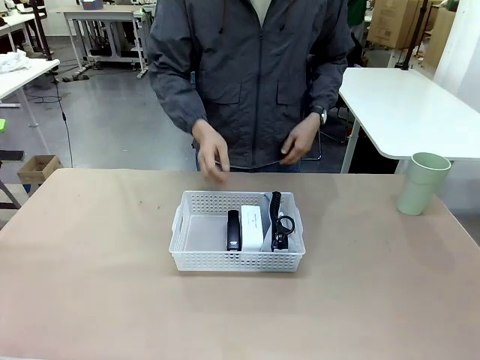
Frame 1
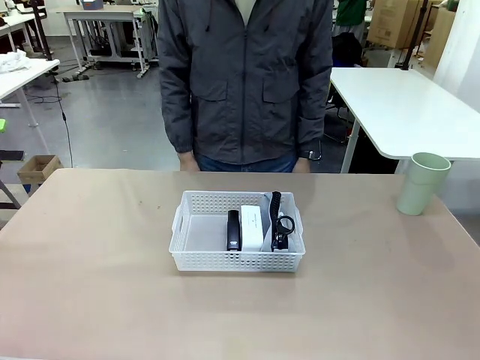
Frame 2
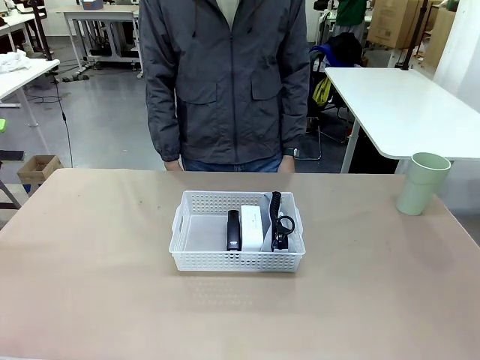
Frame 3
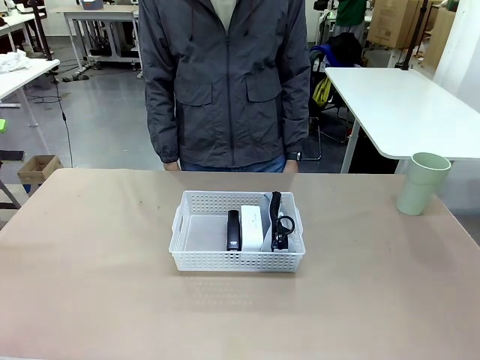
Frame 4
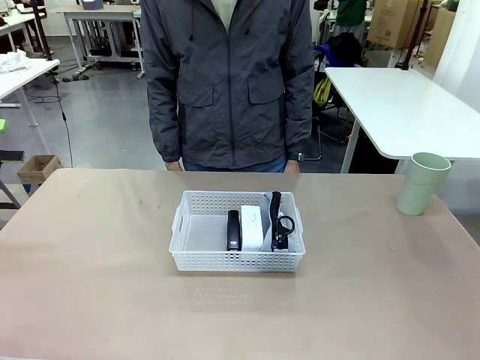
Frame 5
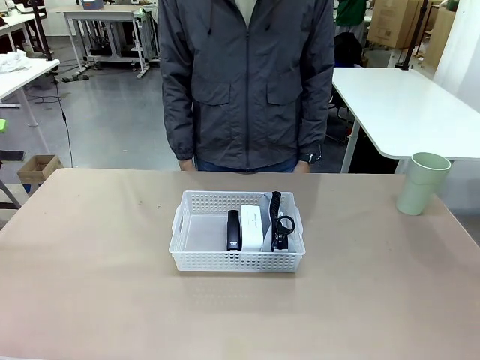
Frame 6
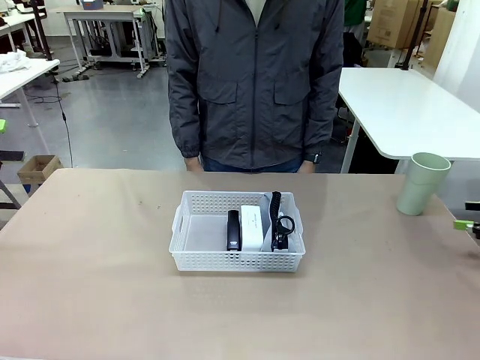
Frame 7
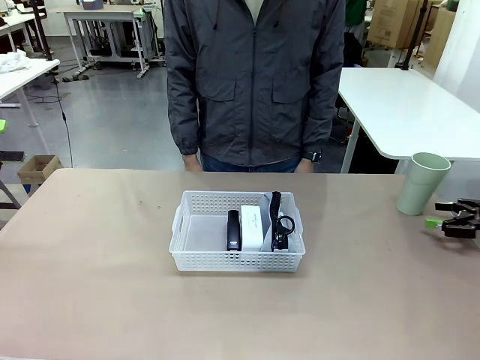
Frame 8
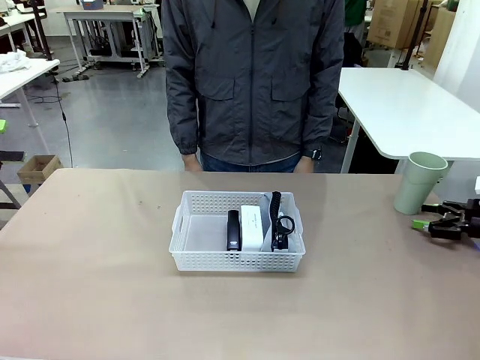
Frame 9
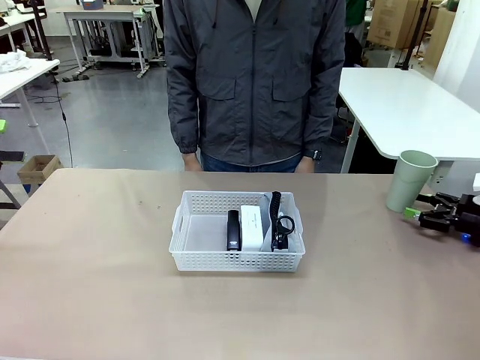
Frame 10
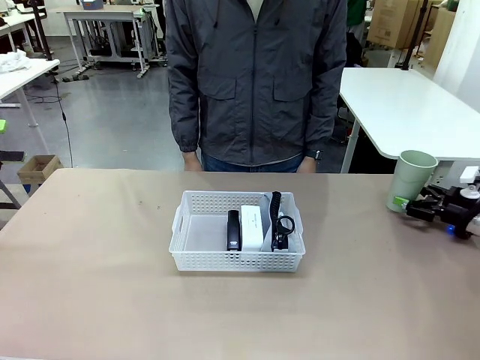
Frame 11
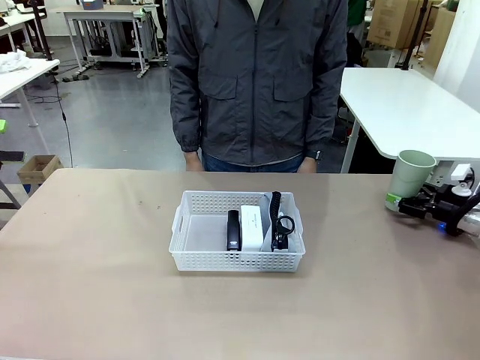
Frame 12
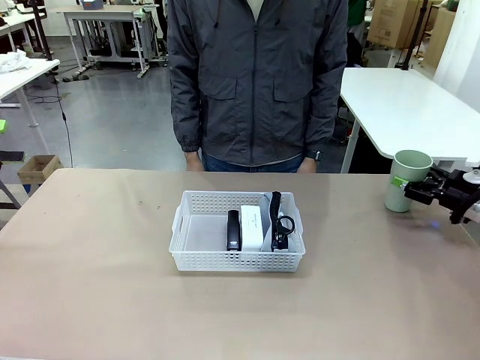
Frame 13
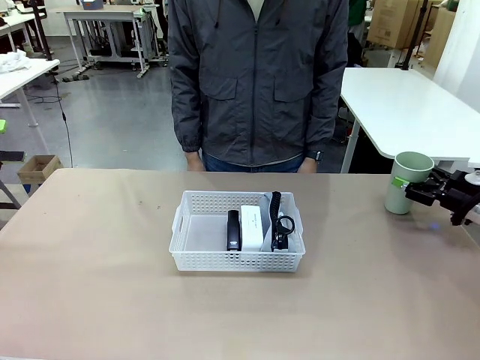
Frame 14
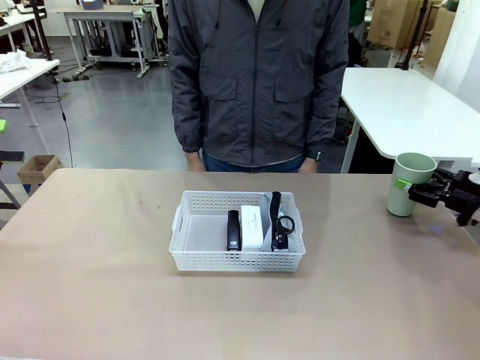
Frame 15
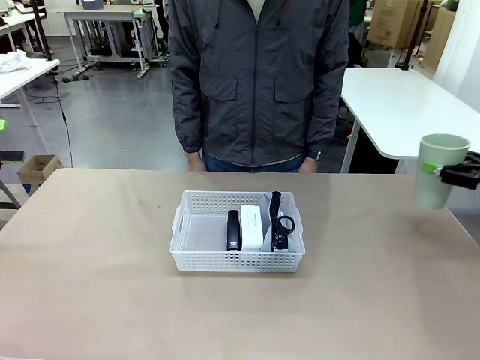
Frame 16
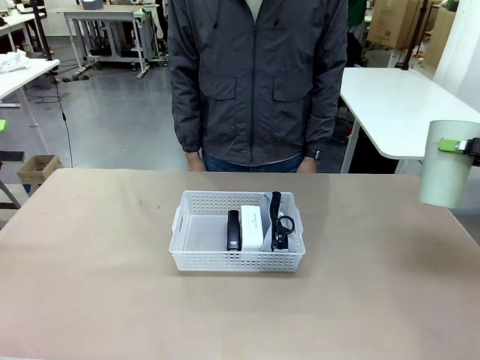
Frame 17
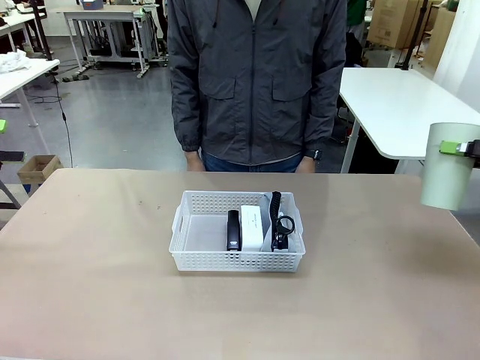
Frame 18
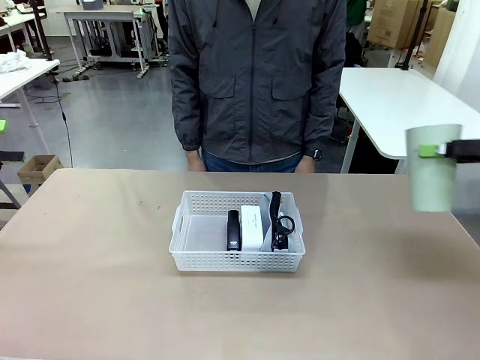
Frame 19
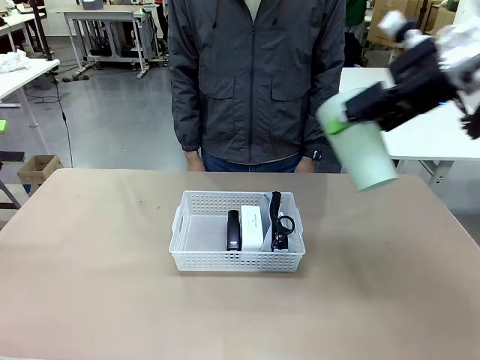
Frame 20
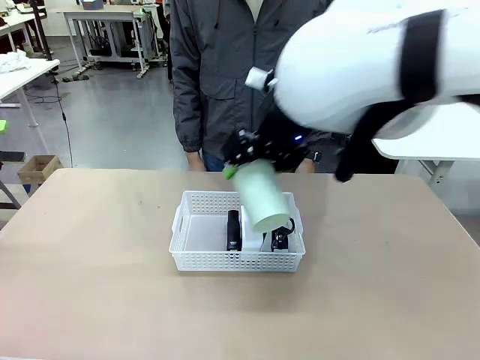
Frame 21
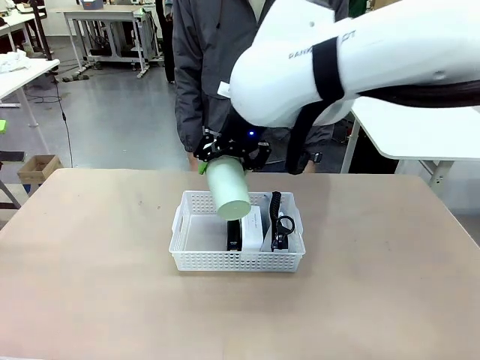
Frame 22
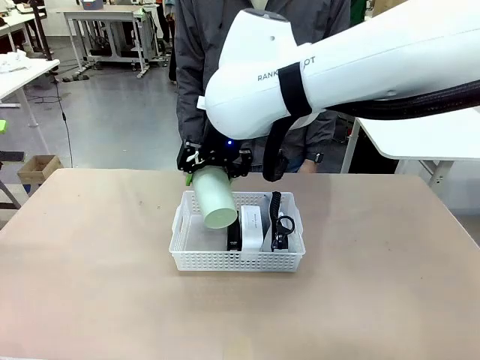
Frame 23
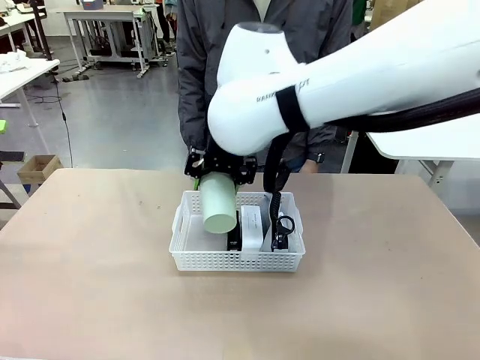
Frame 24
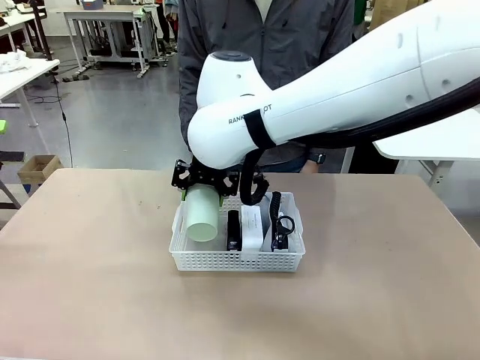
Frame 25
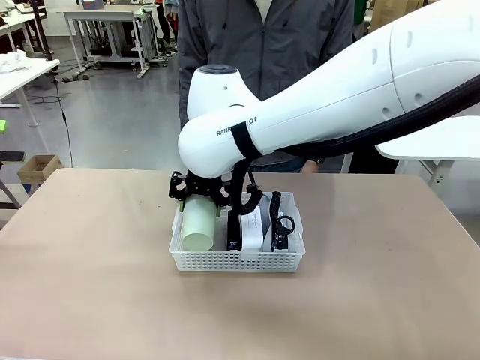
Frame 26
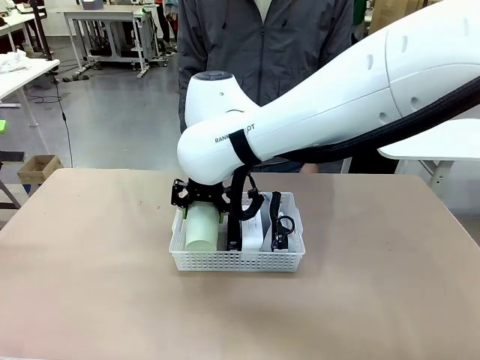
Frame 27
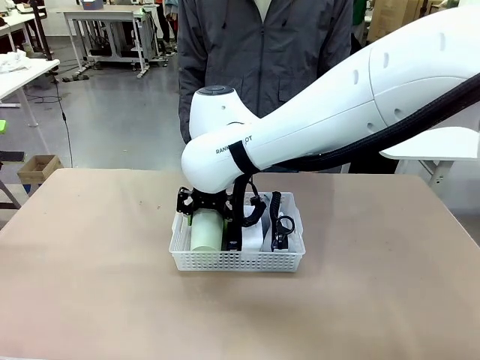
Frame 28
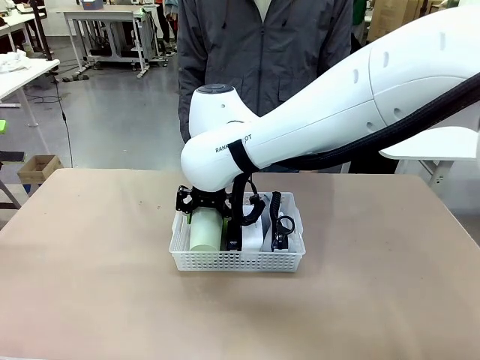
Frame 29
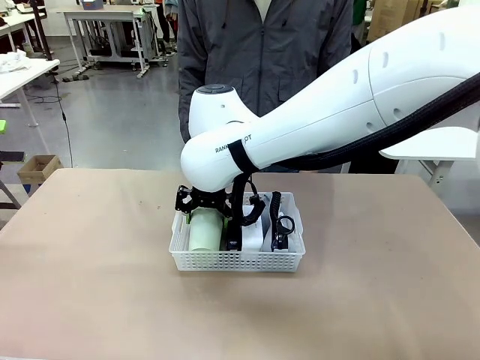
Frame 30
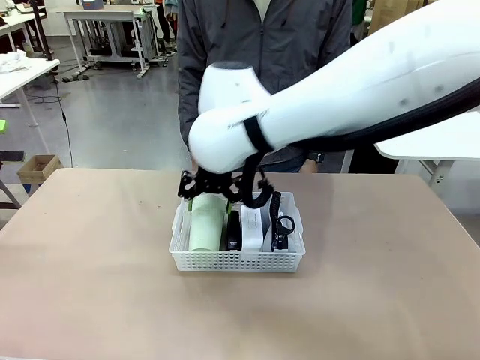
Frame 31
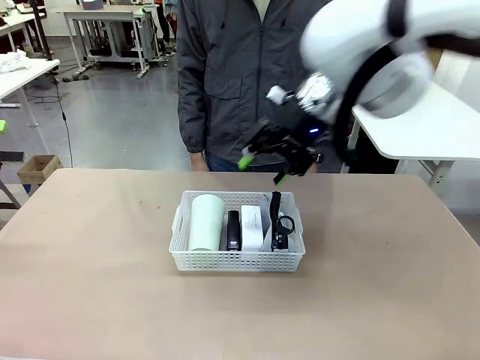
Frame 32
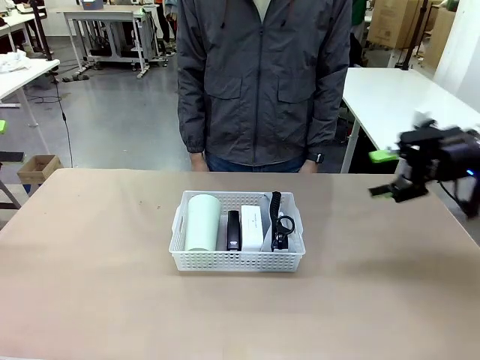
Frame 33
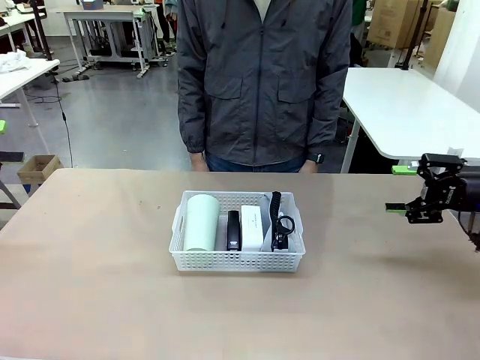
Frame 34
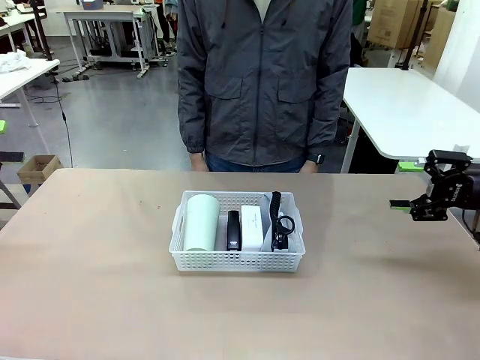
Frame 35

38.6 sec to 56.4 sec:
Task: Efficiently arrange items inside the basket to fit them all.
Robot: Pick up the Reusable plastic cup and place it inside the Organizing basket.
Person: Repositions the stapler.

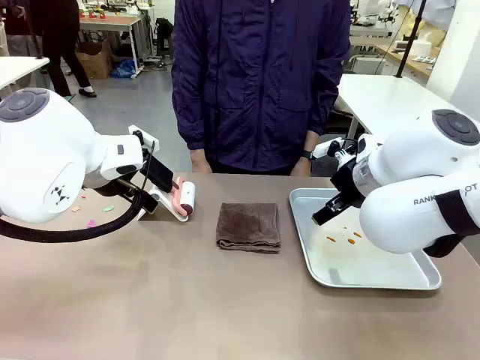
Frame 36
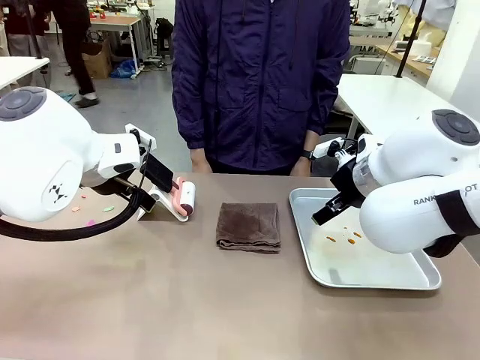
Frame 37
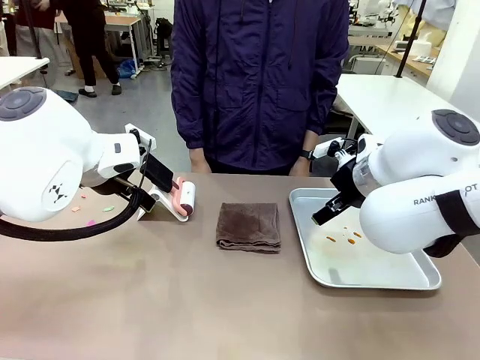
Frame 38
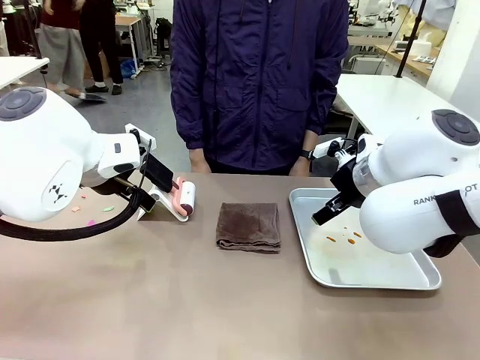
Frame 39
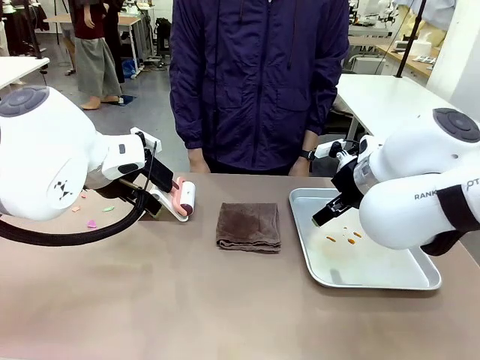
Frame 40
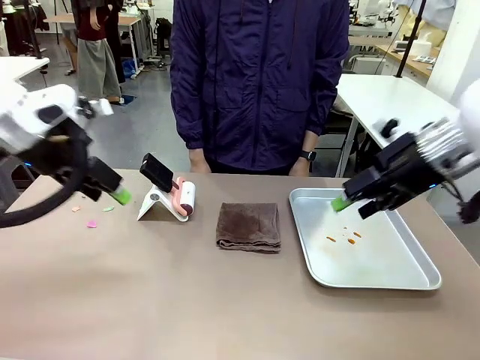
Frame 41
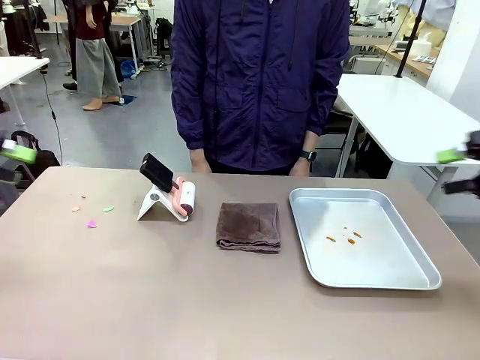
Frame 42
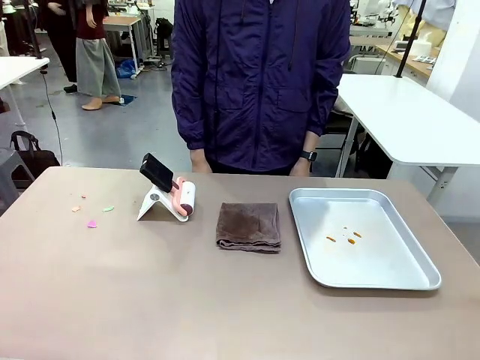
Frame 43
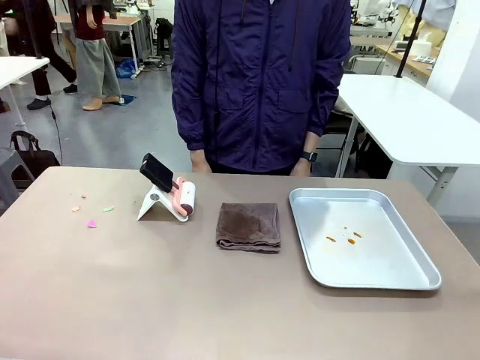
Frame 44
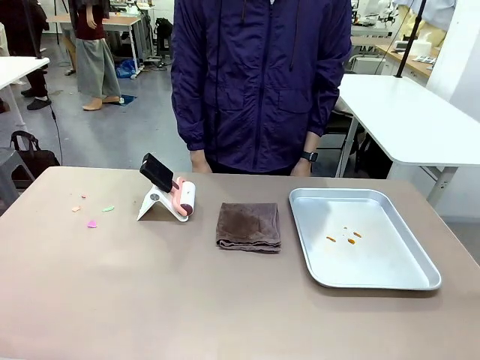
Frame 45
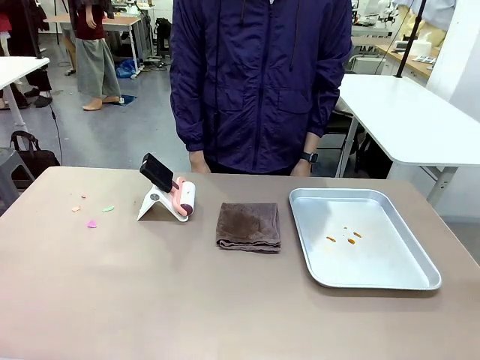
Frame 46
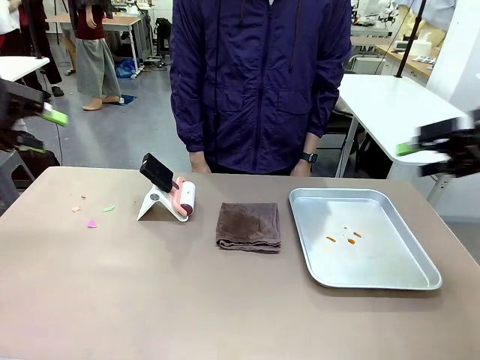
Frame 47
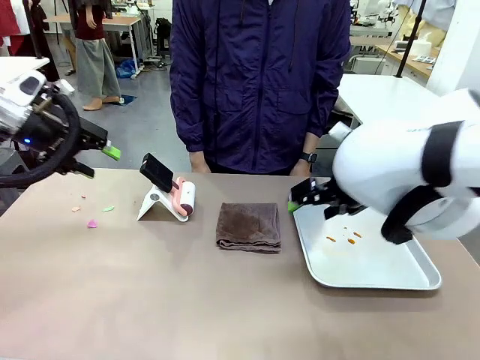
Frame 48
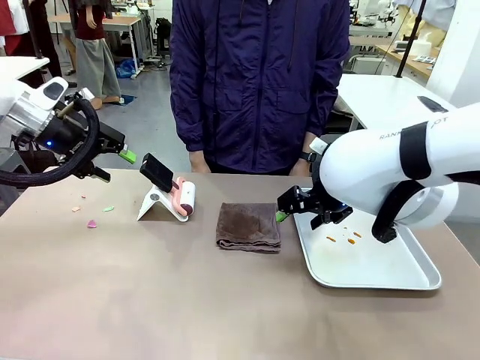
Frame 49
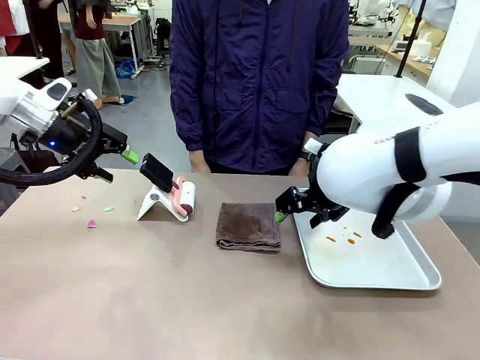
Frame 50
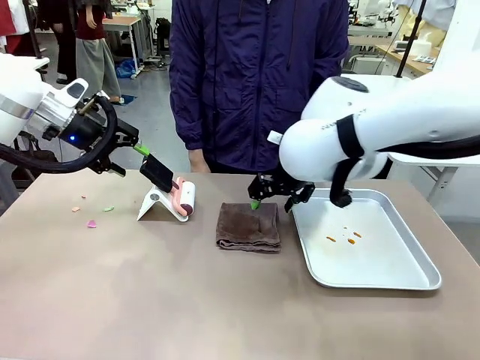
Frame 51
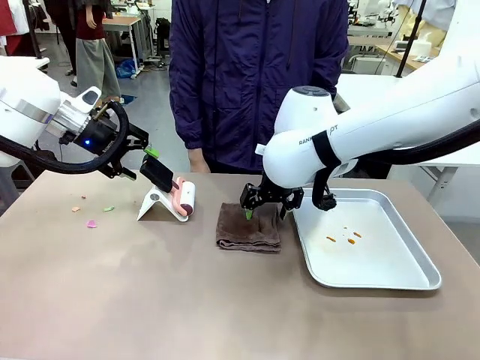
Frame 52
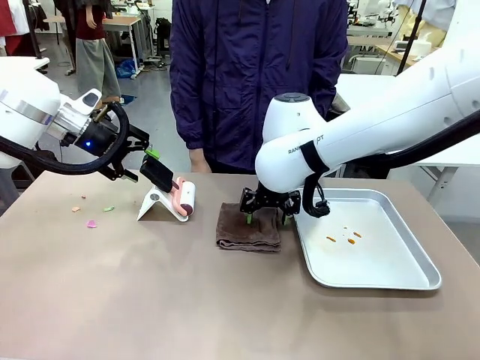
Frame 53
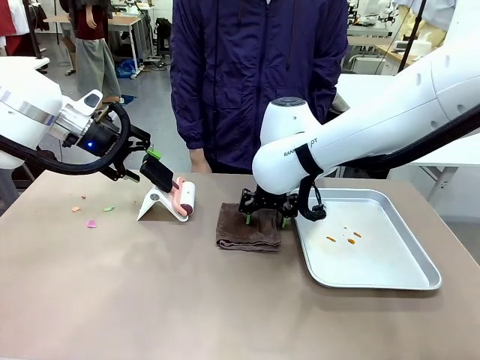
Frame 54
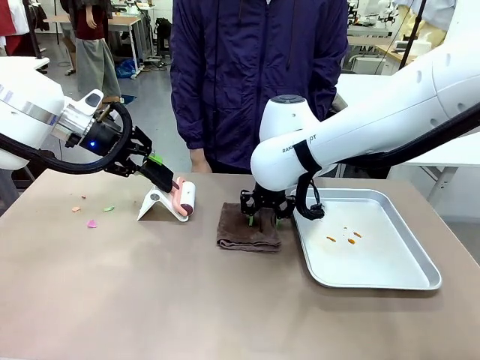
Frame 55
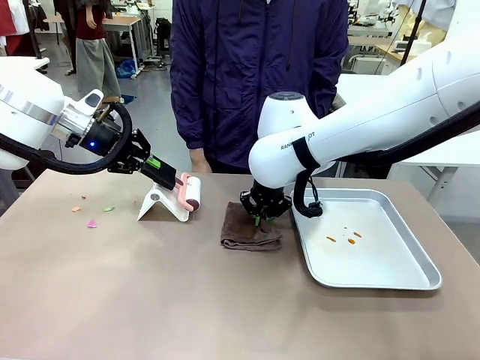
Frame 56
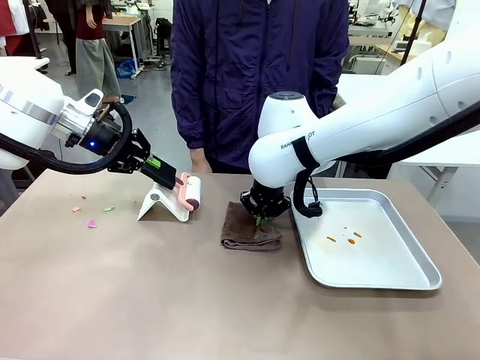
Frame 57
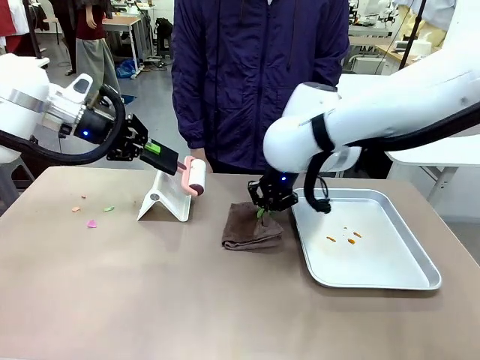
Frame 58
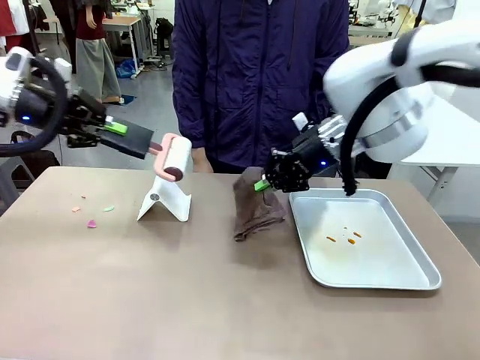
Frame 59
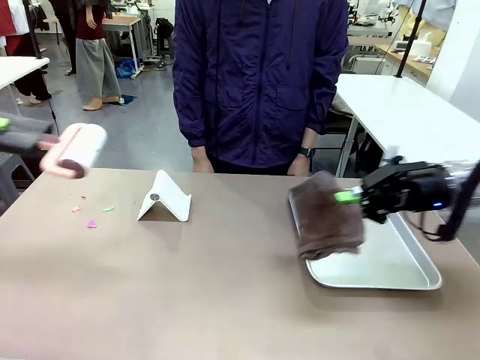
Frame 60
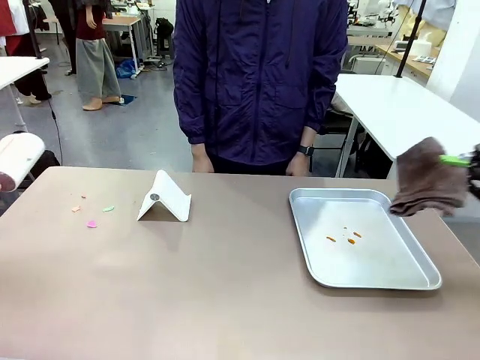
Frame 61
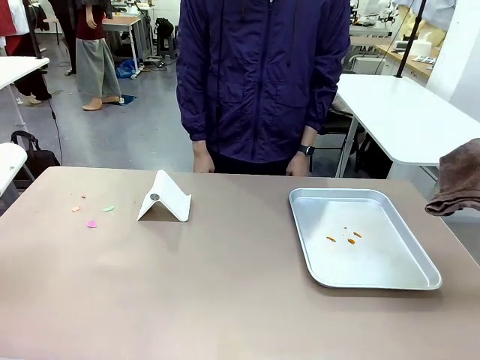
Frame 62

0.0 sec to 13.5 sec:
Task: Clean the surface of the table.
Robot: Hold the Lint Roller with your left hand and the towel with your right hand.
